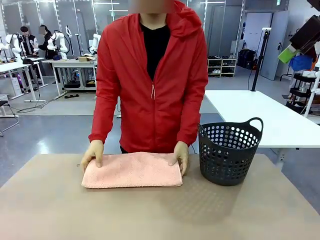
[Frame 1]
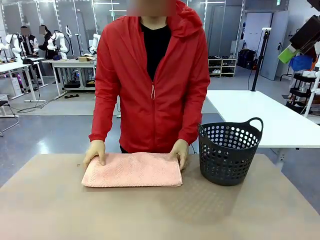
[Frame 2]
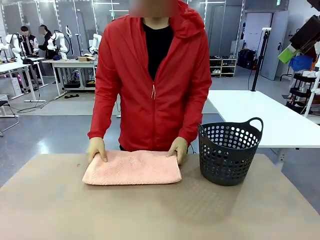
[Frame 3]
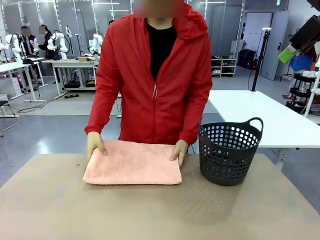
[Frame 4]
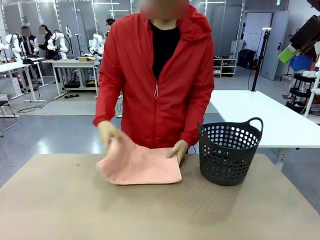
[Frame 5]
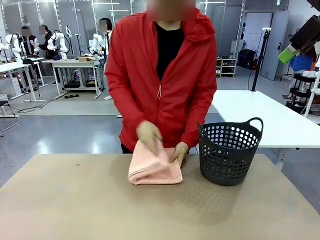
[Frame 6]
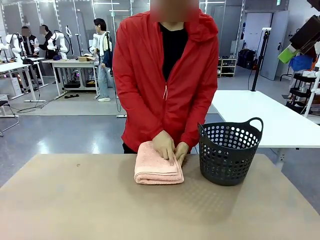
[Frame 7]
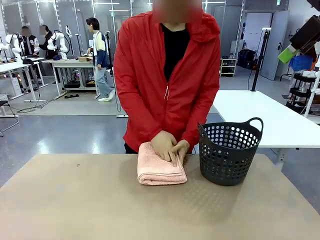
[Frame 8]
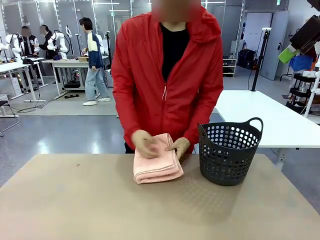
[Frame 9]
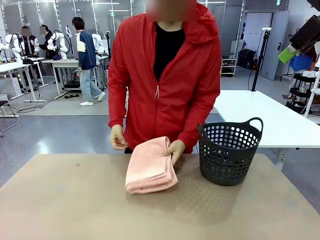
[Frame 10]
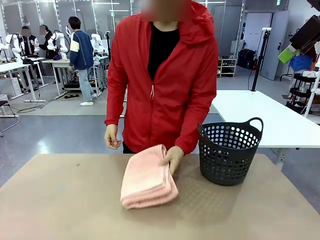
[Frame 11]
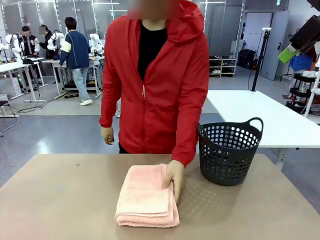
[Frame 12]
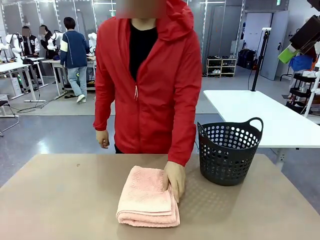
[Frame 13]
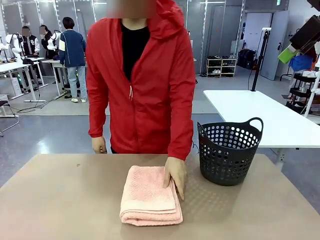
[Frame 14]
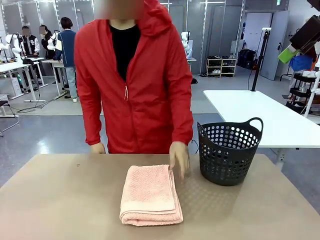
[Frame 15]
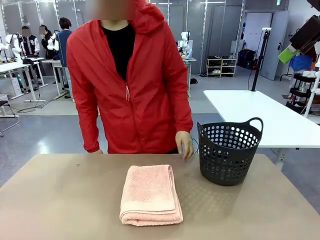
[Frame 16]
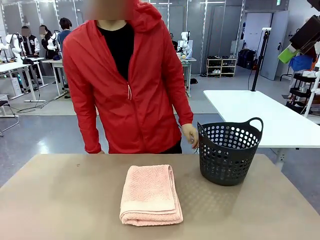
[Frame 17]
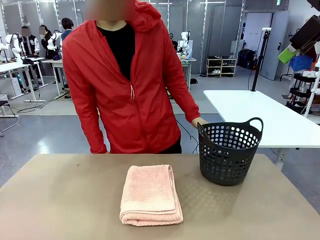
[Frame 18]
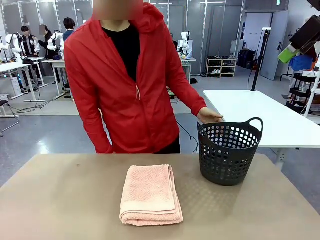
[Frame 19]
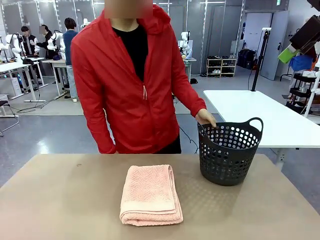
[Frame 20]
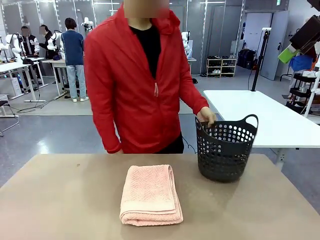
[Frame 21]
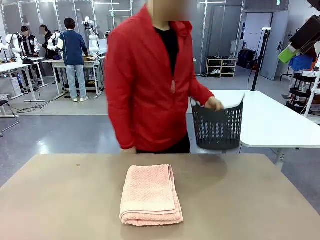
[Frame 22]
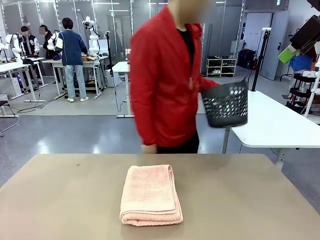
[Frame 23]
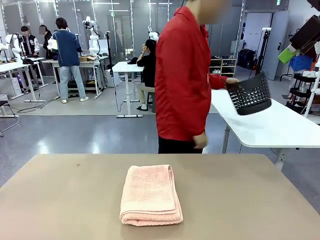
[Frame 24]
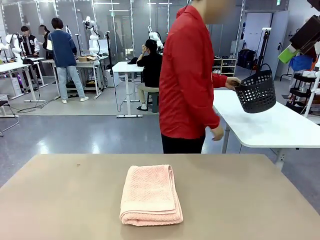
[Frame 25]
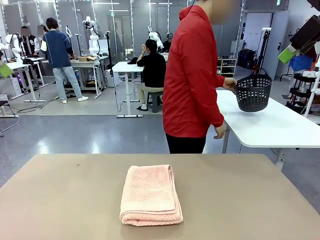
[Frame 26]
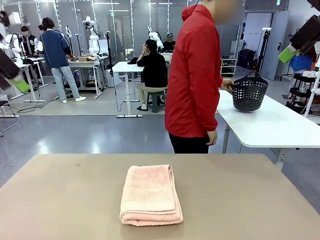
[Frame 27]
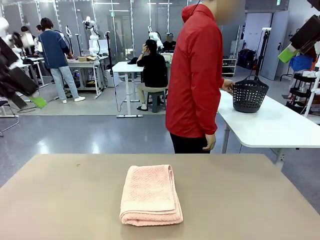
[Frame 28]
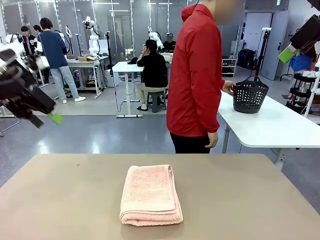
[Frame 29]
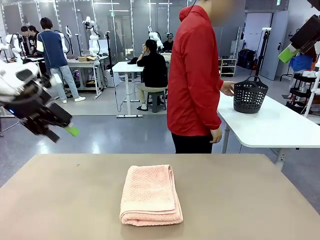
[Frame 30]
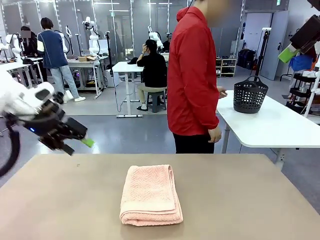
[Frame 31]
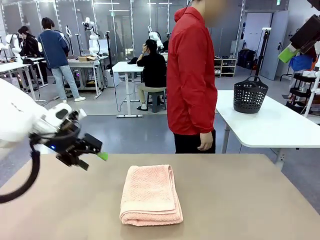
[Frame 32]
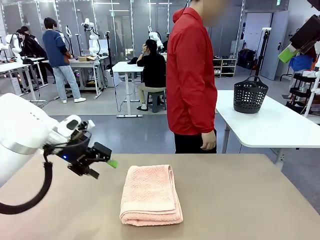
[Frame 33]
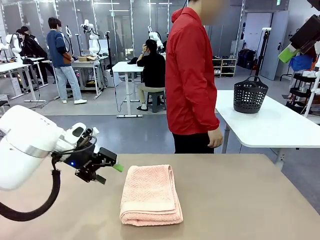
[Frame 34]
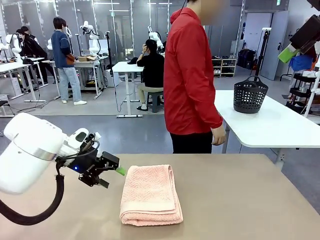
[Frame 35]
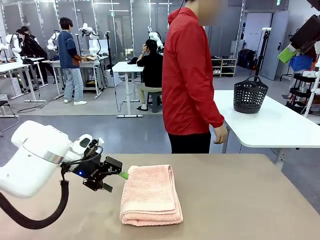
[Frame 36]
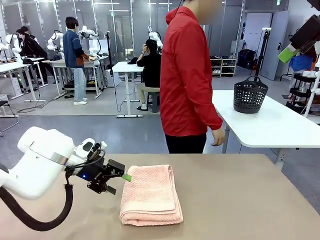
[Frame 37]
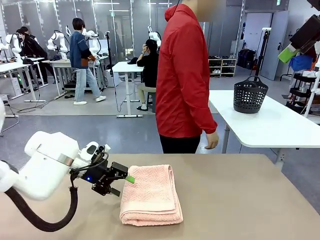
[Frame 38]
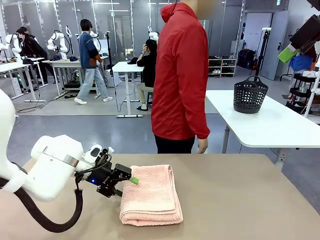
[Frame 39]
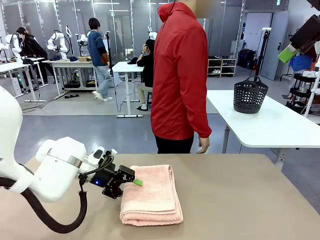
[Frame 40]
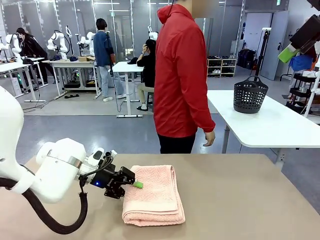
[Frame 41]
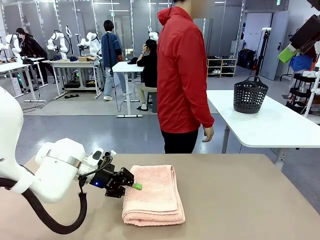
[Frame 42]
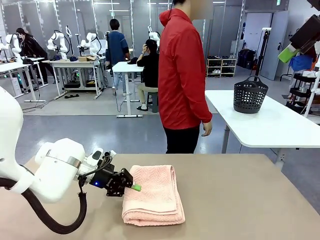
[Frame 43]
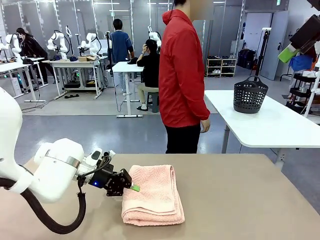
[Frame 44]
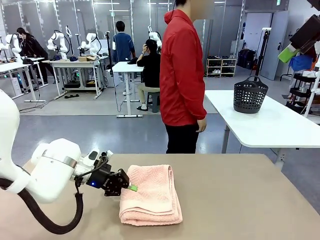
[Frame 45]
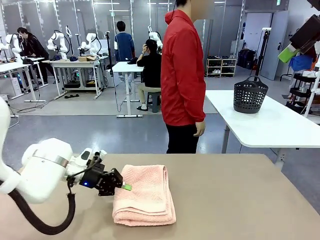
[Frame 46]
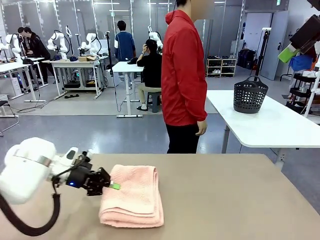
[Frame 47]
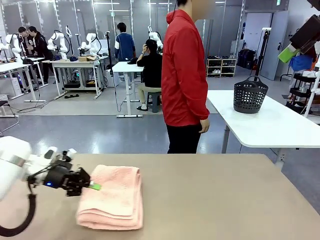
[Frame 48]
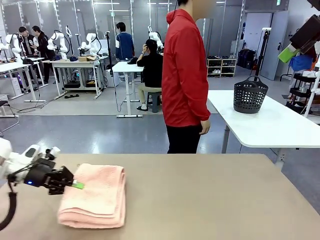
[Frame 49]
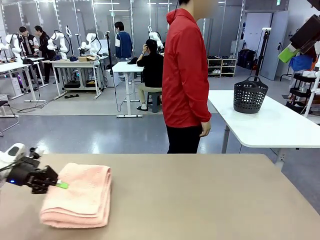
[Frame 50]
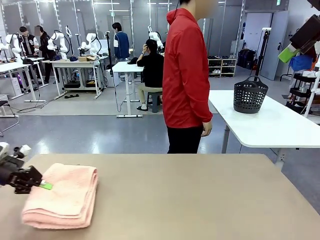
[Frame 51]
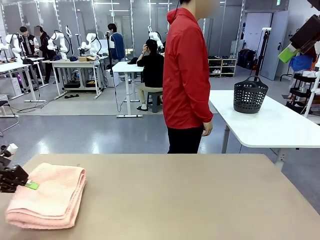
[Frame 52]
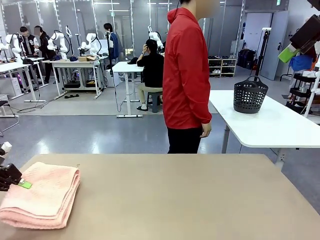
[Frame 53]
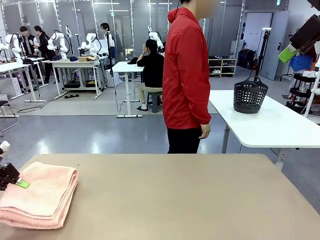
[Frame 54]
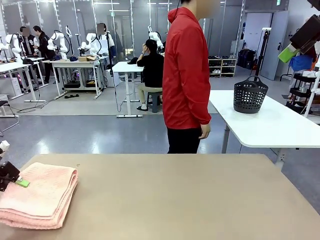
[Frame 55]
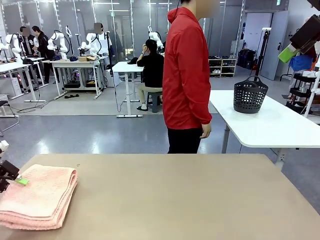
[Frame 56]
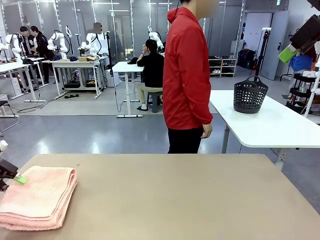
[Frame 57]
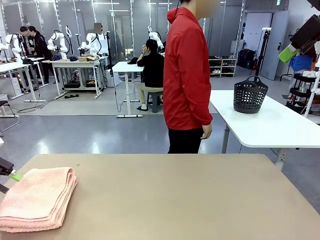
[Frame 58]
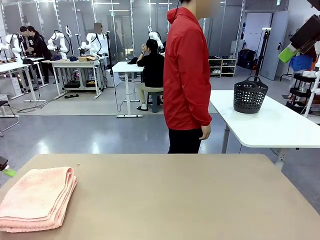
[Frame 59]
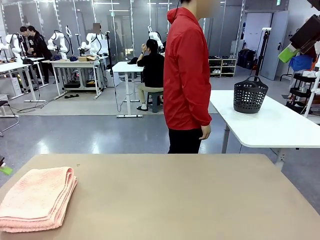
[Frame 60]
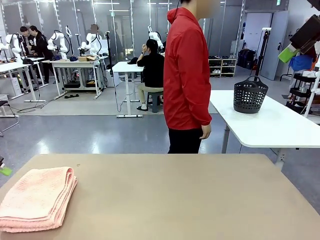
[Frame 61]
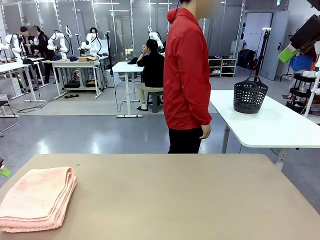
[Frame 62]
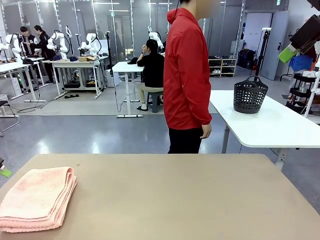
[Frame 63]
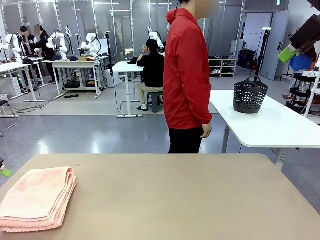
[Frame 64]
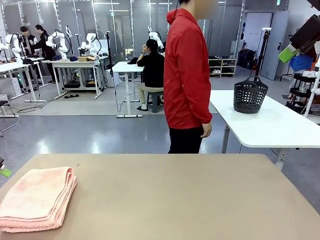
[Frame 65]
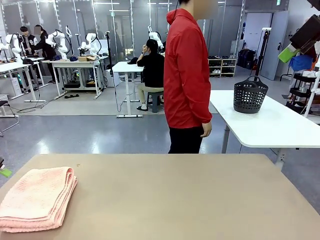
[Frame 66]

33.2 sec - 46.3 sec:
Task: Fold the towel.
Robot: Pick up the 100 cm Hotel Towel and place it on the left side of the table.
Person: Place the towel at the center of the robot table and fold it in half. Pick up the laundry basket and place it at the center of the human table.

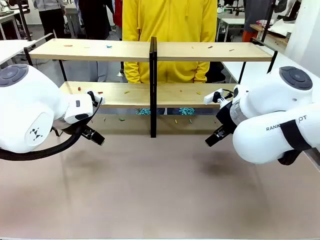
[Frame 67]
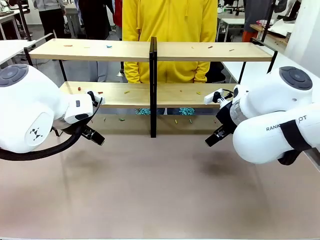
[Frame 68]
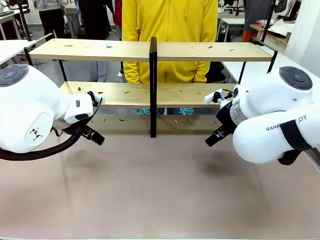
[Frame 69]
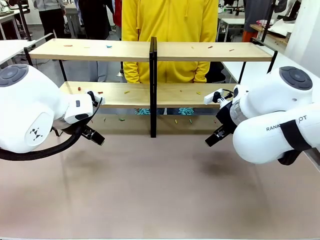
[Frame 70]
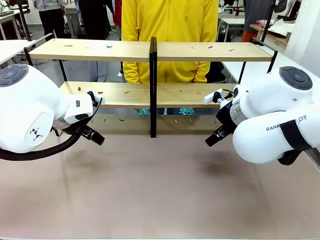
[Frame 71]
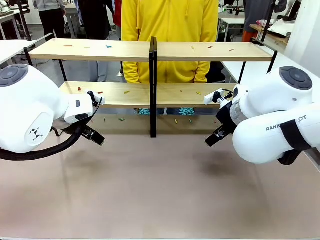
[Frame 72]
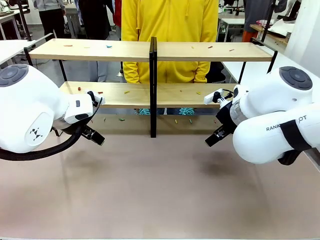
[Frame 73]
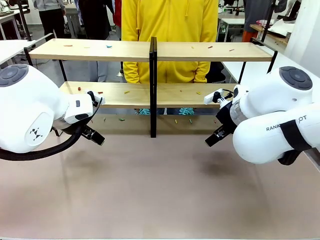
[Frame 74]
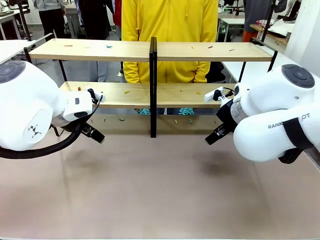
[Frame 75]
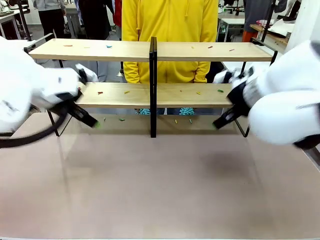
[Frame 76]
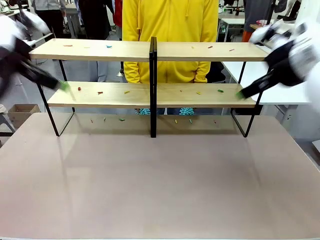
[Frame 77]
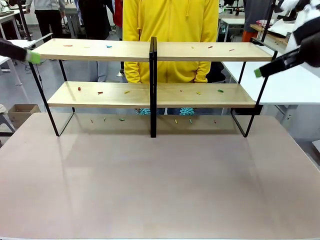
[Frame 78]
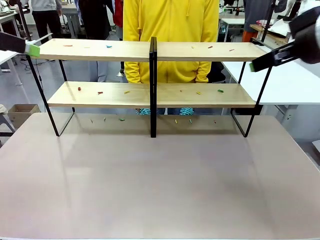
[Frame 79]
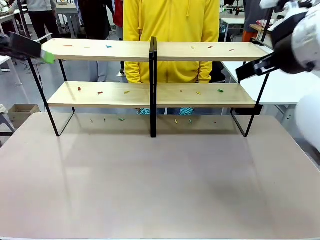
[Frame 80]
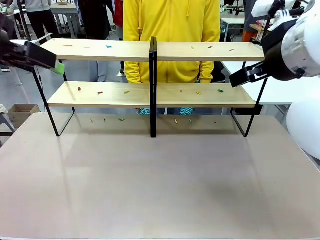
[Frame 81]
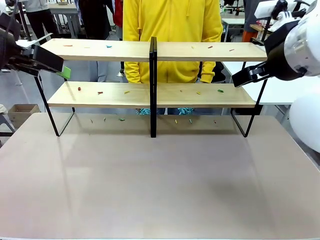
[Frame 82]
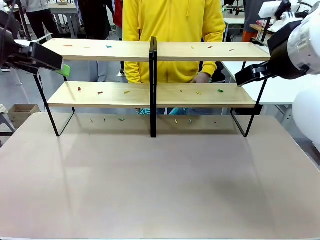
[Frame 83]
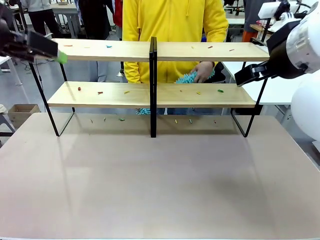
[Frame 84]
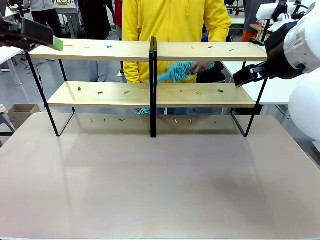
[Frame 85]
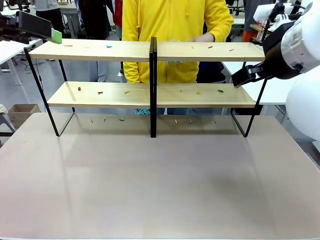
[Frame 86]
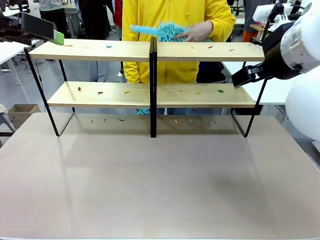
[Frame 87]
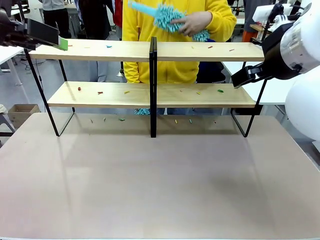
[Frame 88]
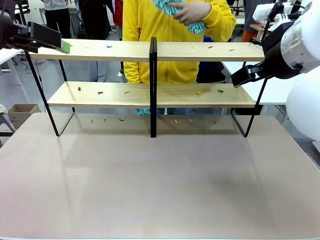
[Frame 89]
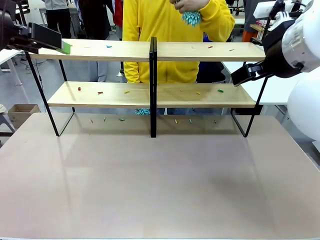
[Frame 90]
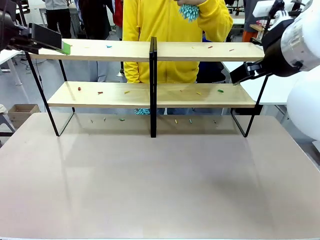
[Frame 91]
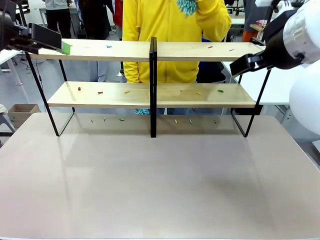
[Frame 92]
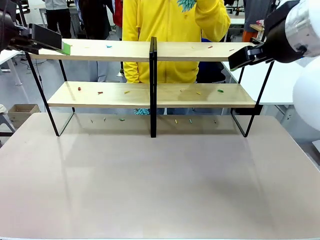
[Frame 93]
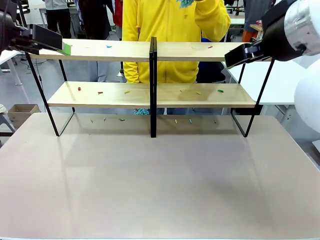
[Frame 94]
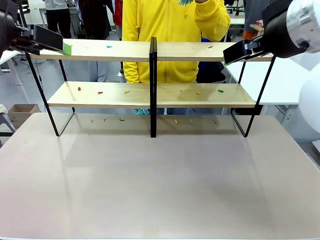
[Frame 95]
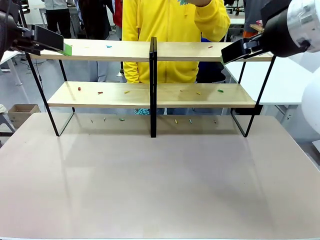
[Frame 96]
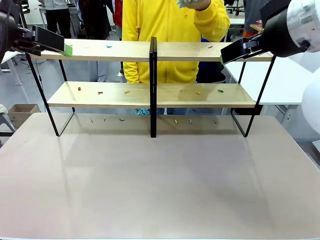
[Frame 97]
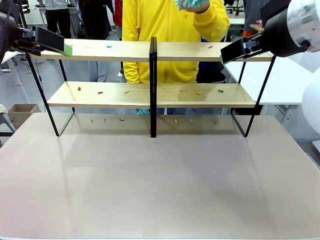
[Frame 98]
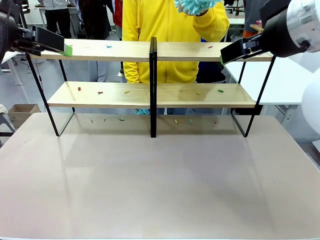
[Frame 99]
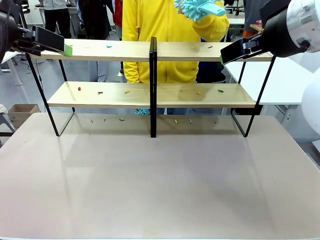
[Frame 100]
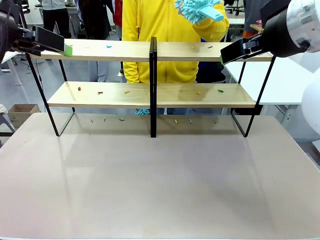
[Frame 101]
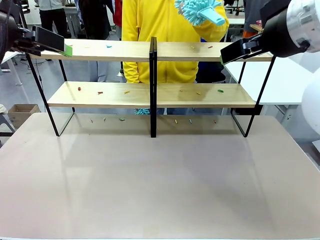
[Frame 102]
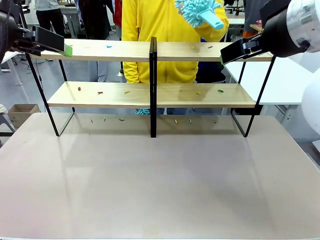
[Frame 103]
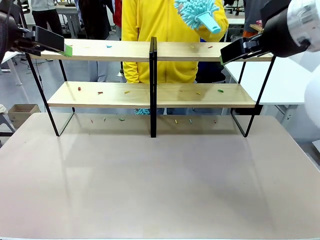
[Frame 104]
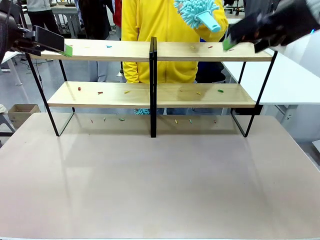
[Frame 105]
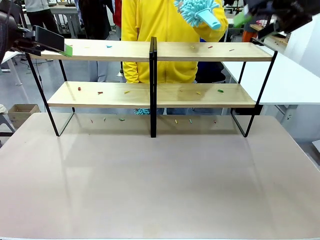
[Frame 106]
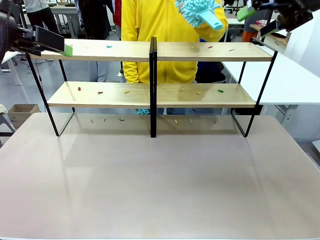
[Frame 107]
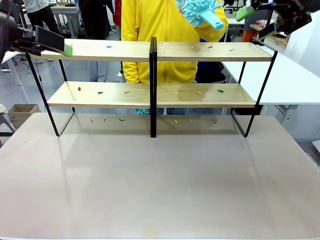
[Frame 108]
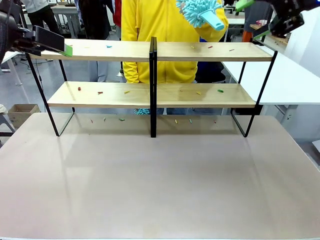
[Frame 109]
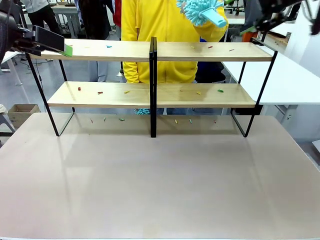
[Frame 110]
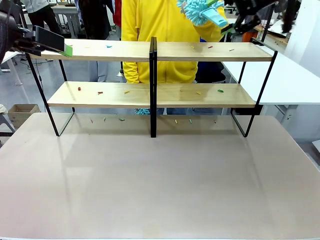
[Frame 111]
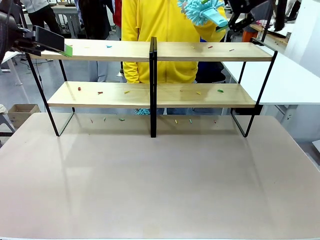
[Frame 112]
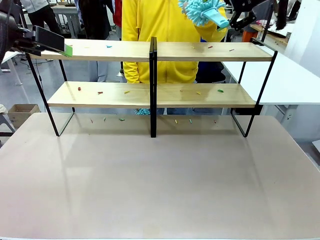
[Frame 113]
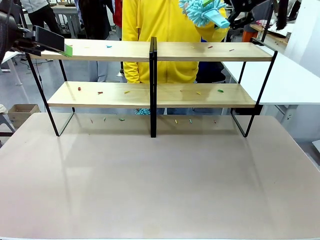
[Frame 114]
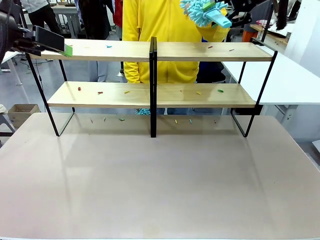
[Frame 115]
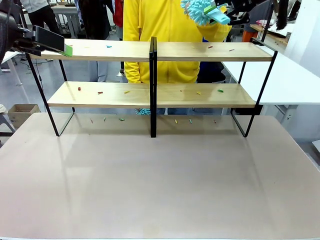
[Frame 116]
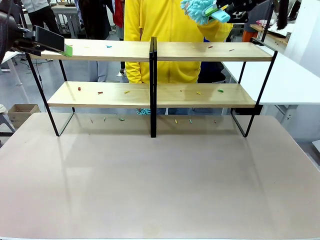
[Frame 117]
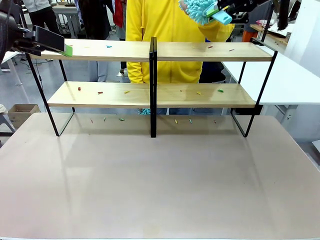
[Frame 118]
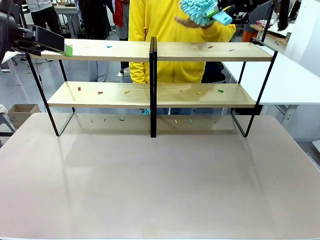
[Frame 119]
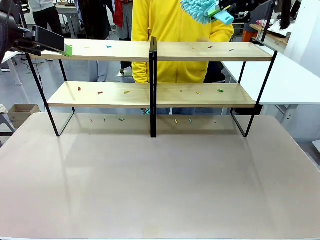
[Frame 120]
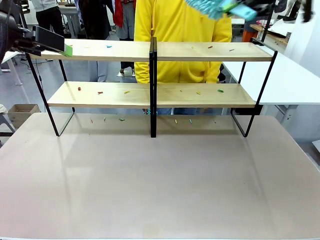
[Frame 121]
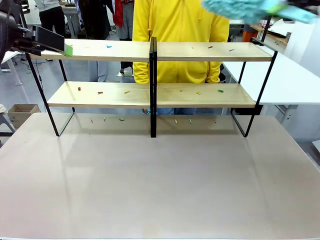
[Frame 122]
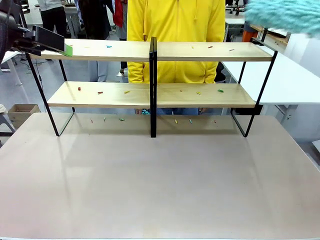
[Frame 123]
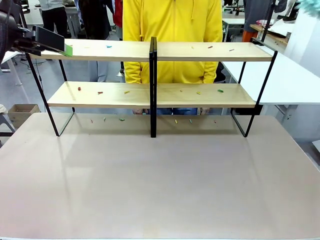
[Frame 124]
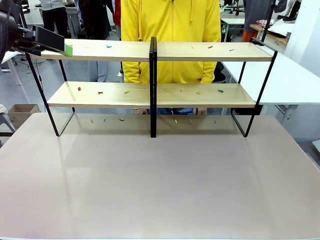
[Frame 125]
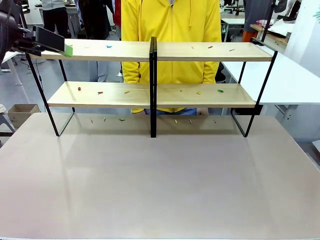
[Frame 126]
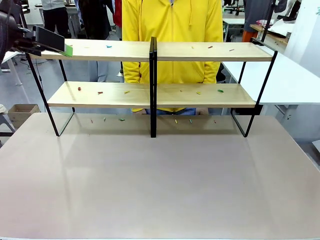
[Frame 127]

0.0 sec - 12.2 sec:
Task: Clean the shelves.
Robot: Pick up the Duster when the human hands it over.
Person: Hand the Duster to the robot with your right (or left) hand.
